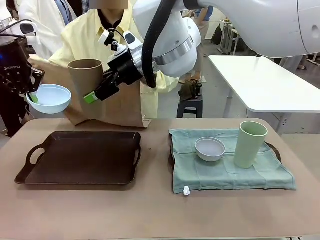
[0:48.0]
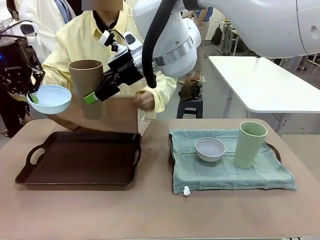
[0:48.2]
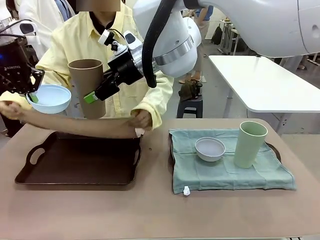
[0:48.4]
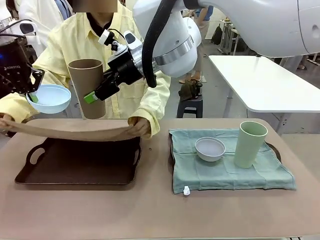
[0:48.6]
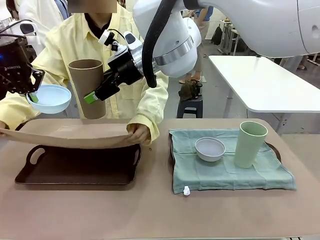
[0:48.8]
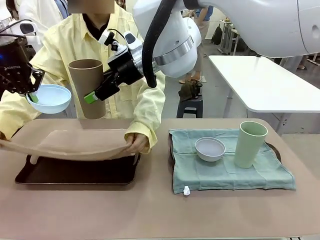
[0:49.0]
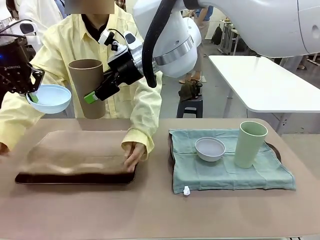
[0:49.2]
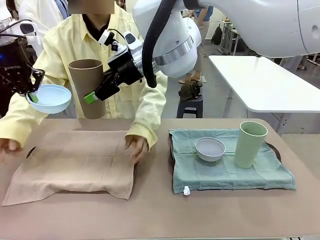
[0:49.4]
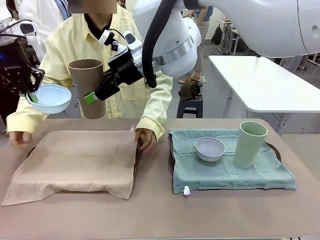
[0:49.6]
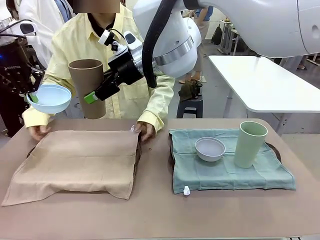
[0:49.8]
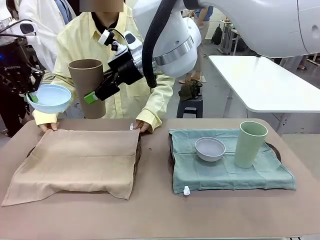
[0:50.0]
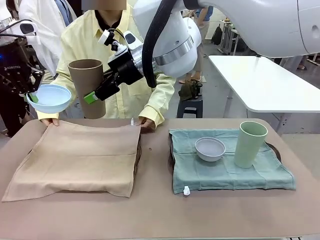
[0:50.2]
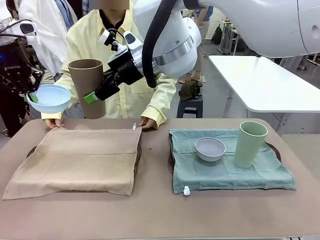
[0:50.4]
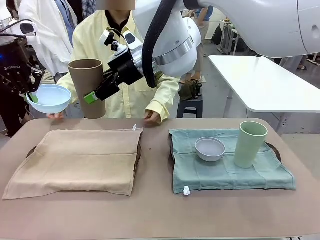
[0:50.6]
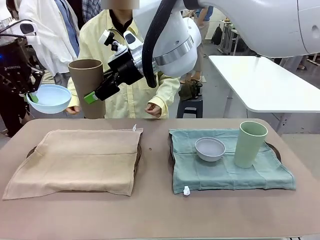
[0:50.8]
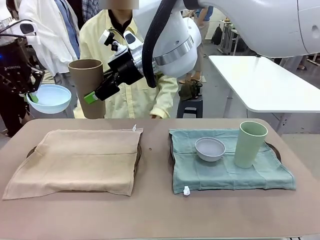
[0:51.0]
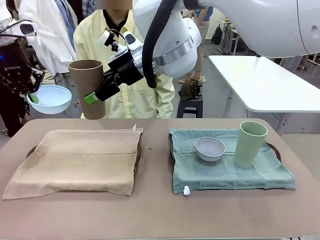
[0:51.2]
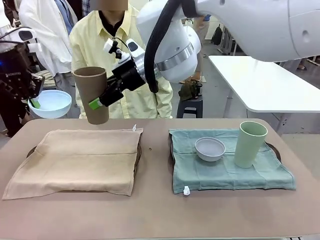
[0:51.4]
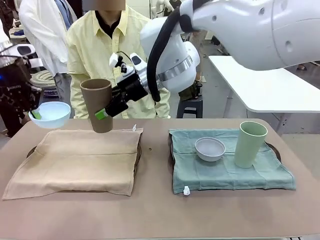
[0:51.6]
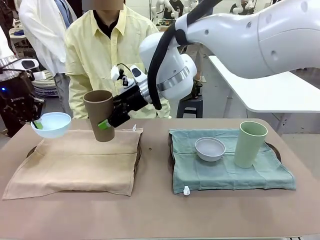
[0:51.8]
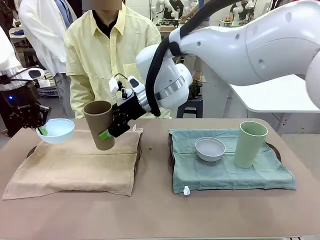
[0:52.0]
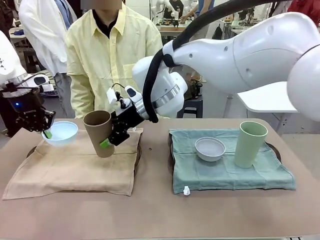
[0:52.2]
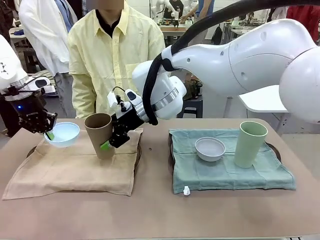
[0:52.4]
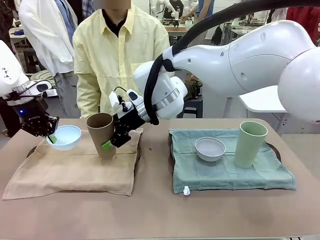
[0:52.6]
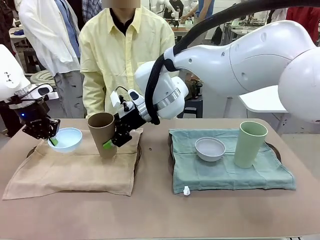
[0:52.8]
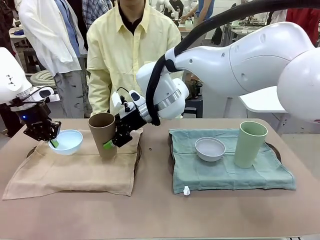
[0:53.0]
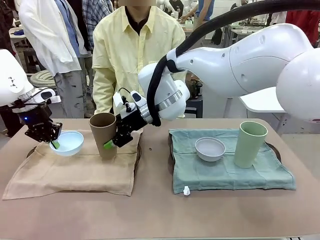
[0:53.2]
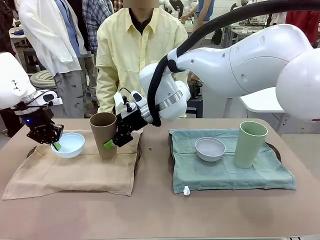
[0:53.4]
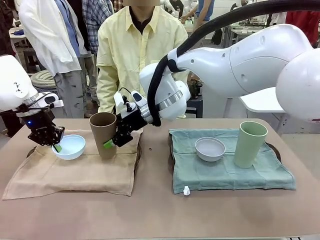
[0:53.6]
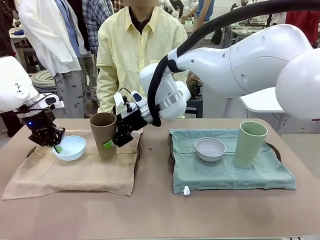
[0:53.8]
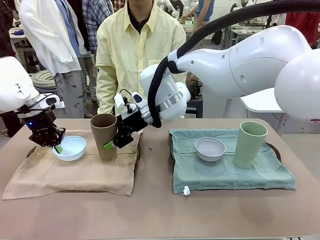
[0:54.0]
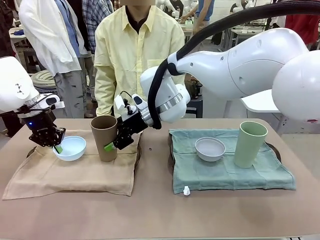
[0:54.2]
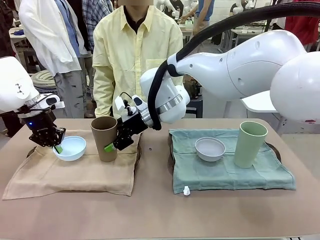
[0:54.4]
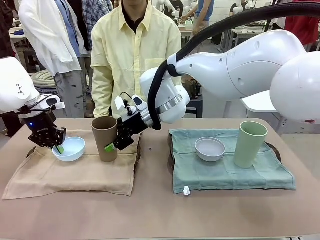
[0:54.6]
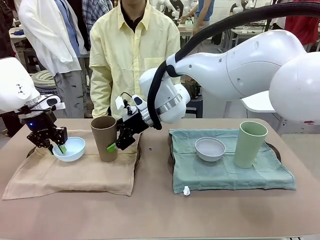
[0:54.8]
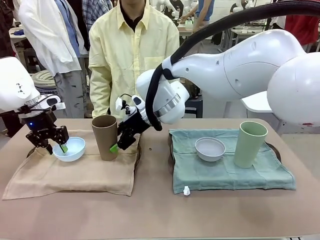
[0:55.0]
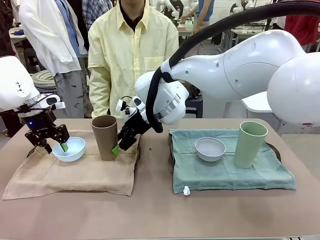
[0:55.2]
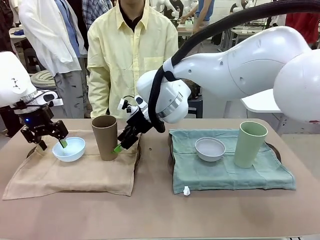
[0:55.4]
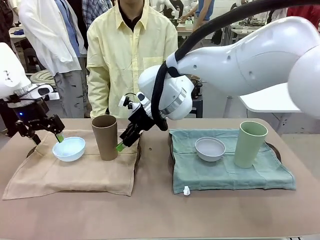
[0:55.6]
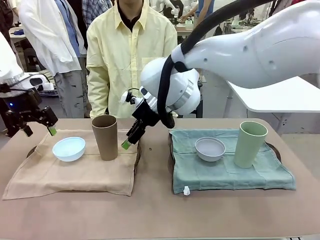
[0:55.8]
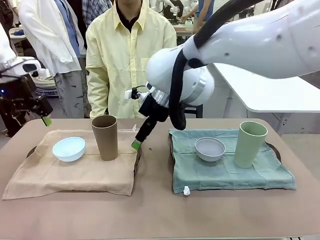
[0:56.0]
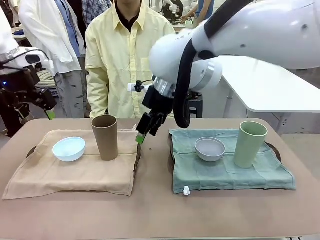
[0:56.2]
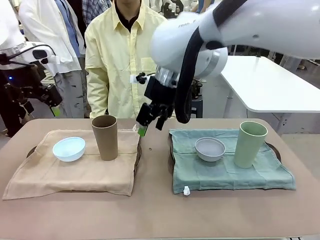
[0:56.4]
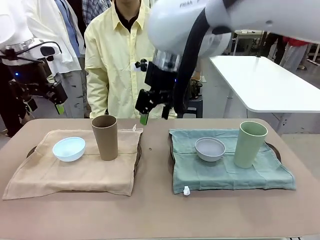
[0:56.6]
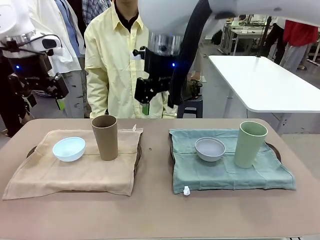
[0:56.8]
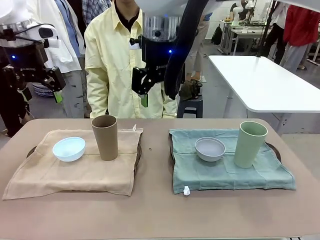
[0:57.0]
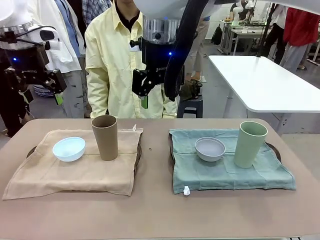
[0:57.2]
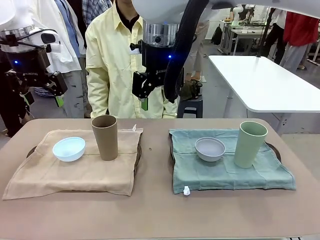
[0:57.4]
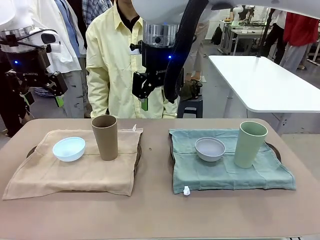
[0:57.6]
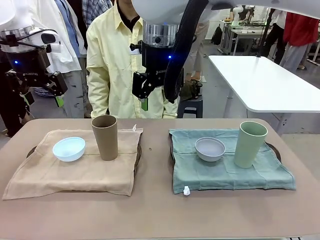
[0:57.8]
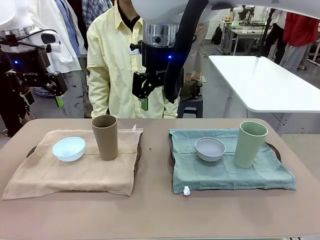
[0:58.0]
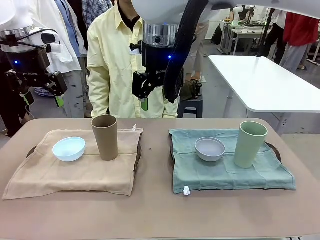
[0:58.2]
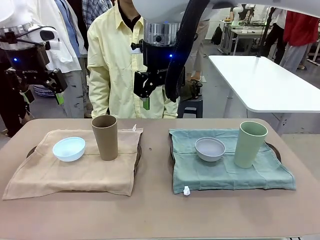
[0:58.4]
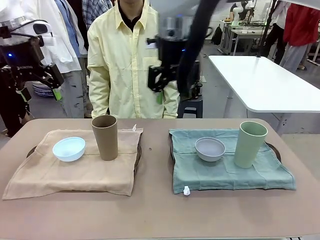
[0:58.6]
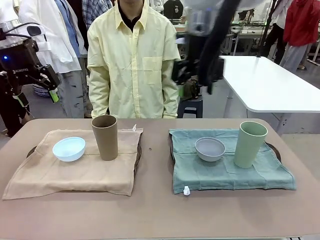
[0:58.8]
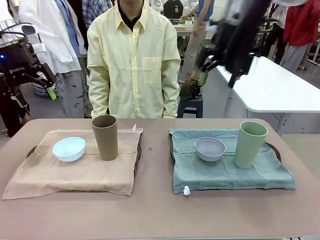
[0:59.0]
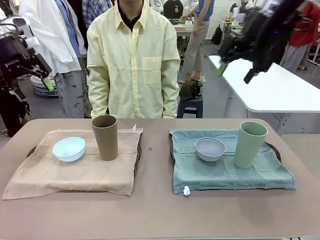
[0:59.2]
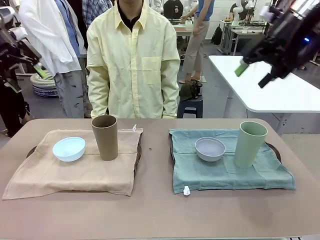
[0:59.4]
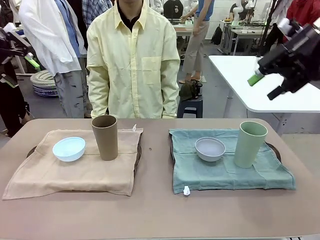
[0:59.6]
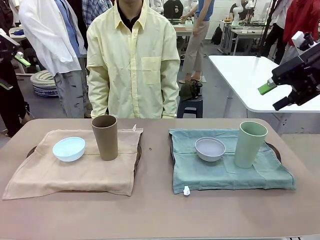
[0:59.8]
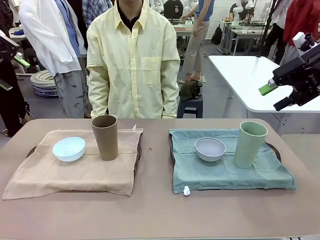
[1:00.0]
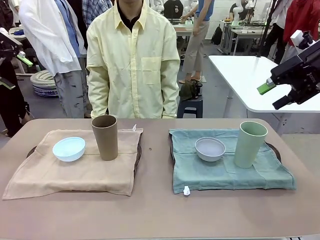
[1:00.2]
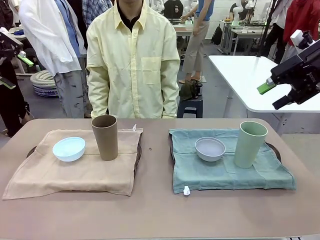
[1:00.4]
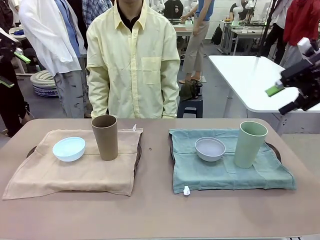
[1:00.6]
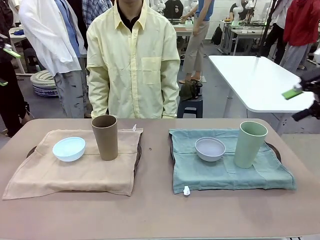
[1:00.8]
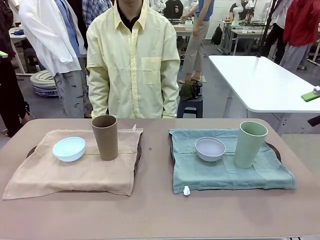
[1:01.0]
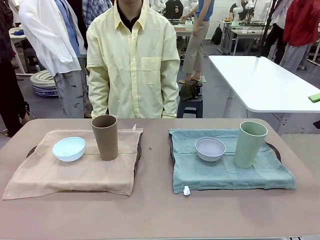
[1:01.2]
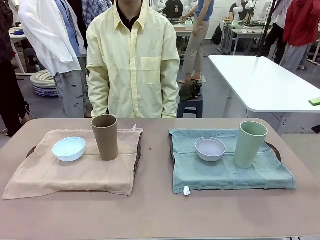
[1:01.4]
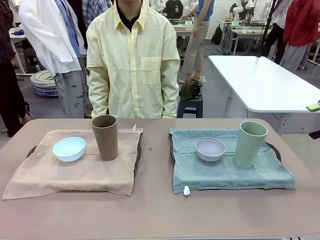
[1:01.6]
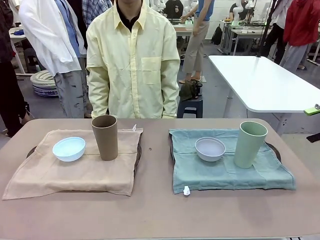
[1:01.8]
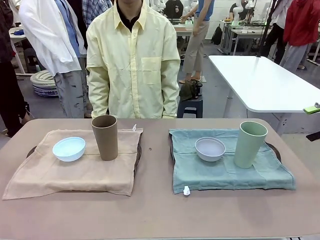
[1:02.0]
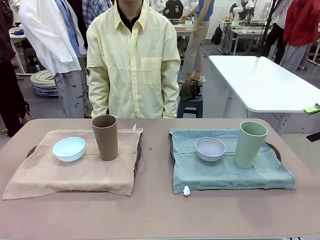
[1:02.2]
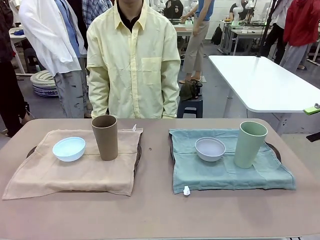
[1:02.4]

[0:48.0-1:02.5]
Robot: Place the Picnic Bowl and Reusable plastic cup back onto the Handle tray in front of the human's position.

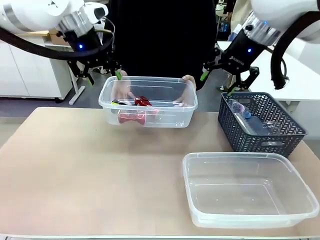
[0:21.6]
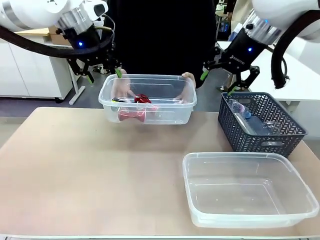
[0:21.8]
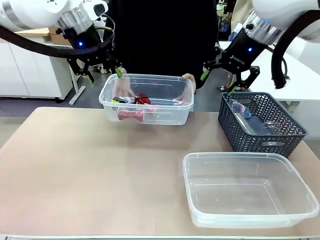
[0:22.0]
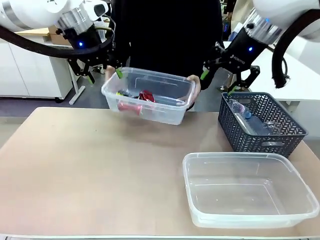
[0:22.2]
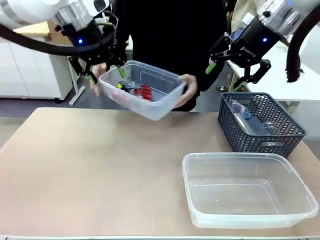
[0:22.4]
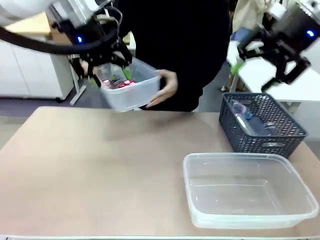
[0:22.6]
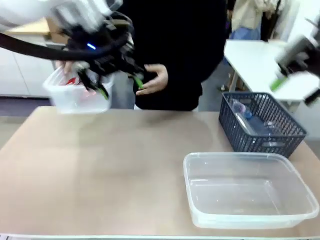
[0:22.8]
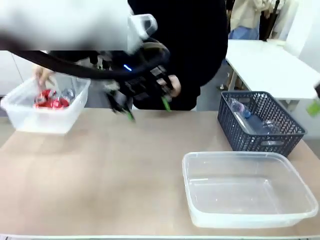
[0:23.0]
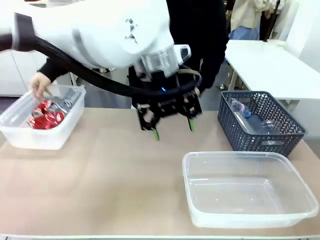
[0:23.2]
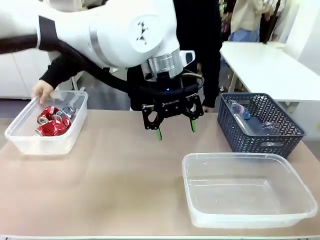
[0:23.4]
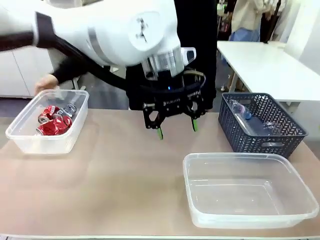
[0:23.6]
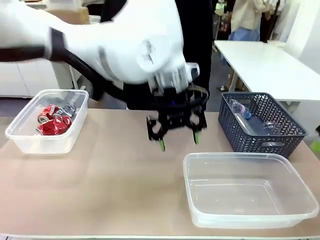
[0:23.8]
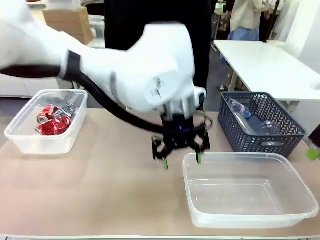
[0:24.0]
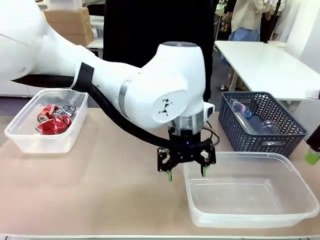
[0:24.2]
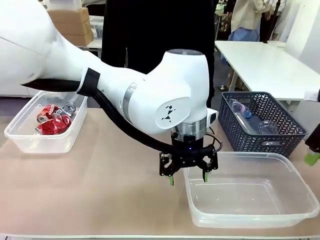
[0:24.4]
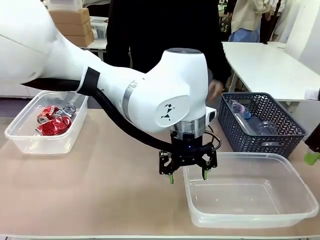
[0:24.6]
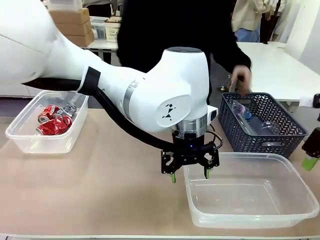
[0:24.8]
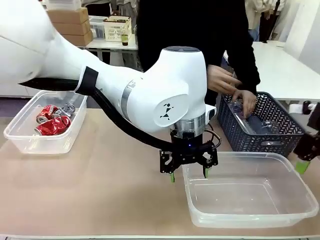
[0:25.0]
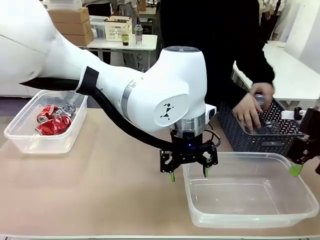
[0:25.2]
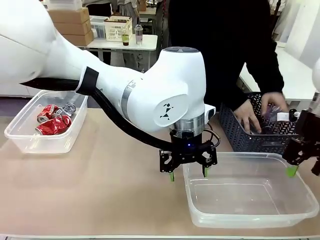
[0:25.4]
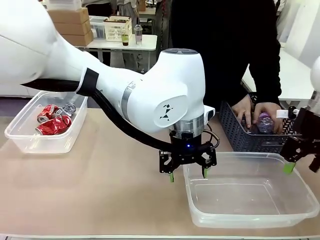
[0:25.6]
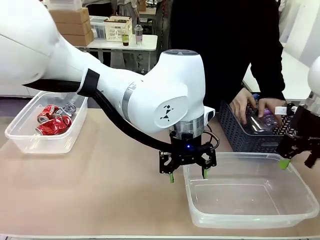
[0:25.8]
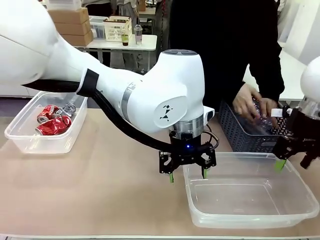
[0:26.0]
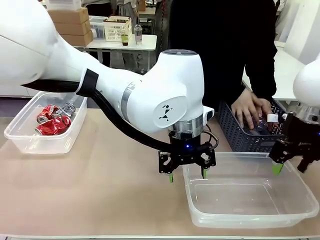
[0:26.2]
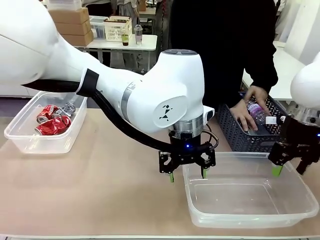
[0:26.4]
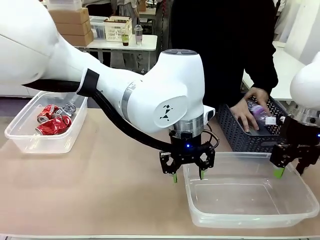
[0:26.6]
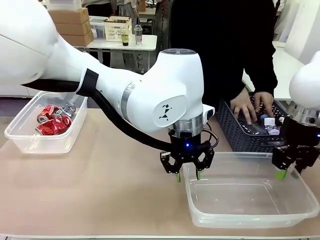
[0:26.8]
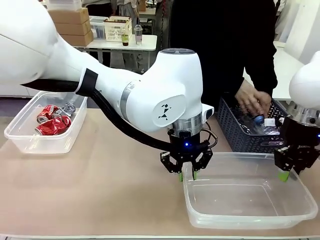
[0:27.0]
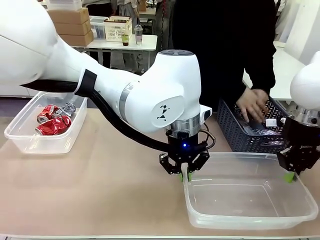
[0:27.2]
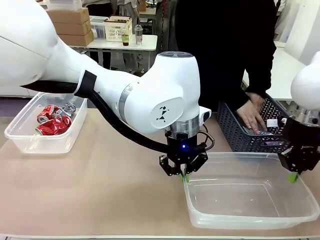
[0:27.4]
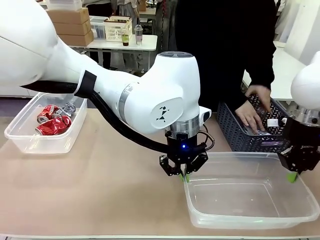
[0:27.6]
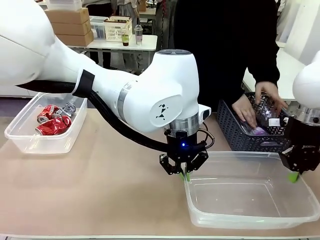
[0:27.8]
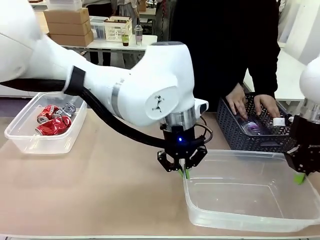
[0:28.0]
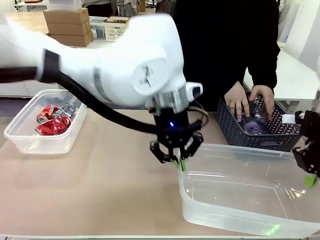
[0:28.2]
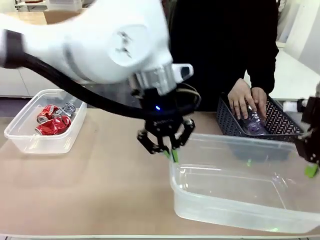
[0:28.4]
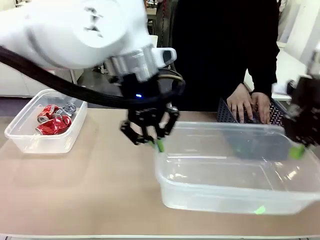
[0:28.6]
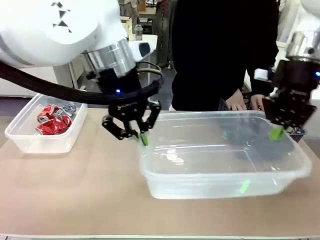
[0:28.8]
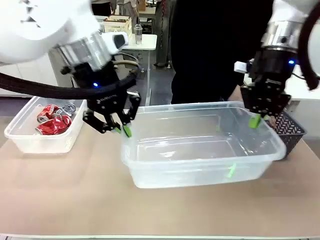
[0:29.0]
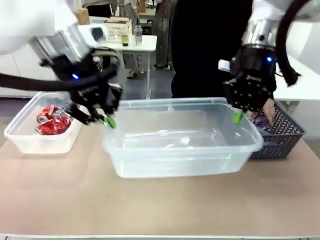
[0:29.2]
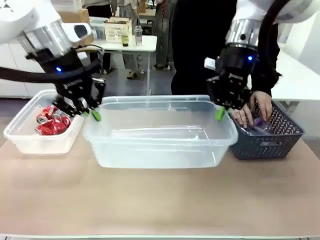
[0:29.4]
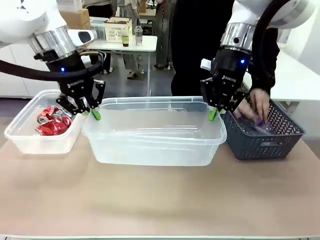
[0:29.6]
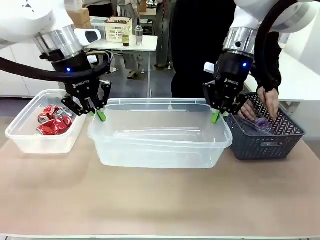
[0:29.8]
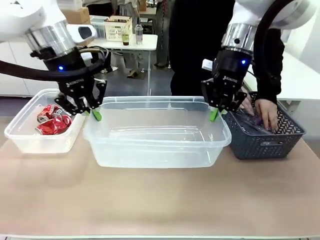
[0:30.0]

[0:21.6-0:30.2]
Robot: Pick up the Organizing box on the right side of the table and lift it.
Person: Place it at the edge of the bottom right area of the robot table. Pick up plastic waste one by one and place it into the organizing box lifted by the robot.

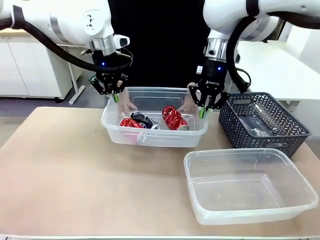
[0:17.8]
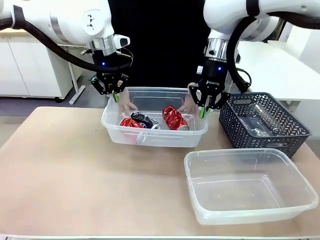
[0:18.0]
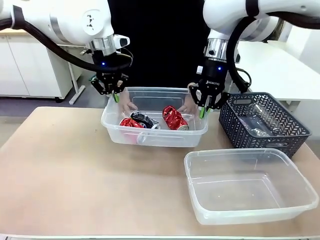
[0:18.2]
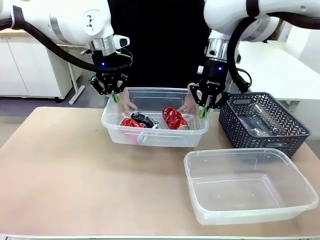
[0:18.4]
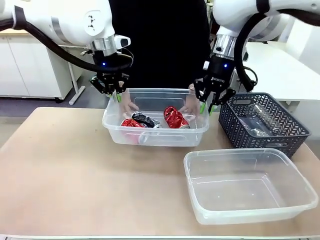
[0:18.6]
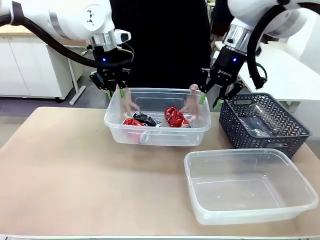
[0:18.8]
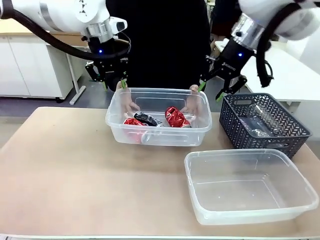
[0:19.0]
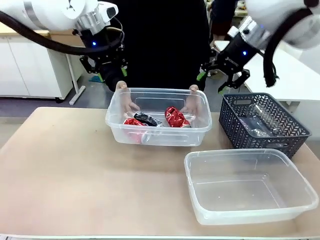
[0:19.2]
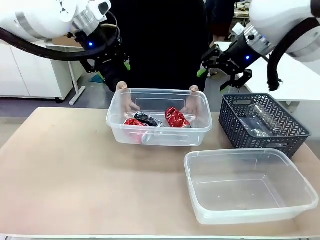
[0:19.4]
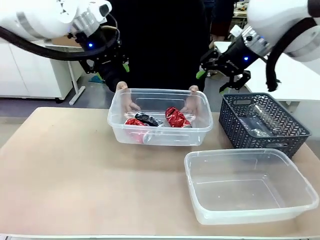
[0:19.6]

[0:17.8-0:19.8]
Robot: Release the Organizing box you were holding.
